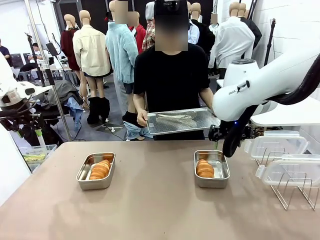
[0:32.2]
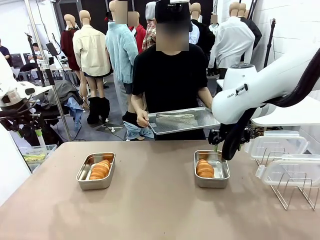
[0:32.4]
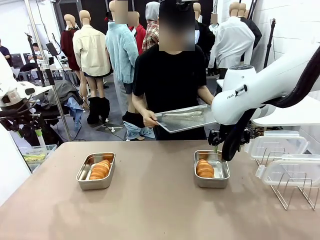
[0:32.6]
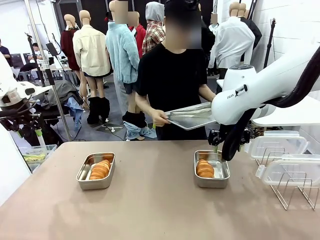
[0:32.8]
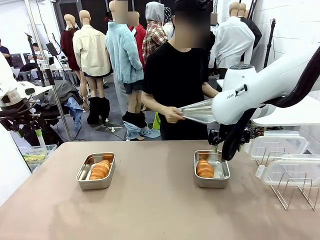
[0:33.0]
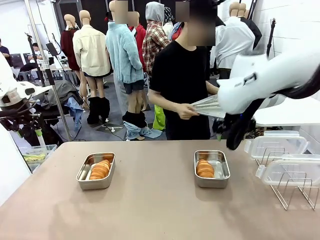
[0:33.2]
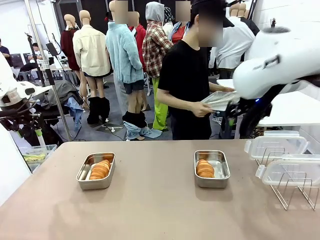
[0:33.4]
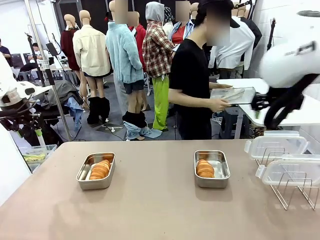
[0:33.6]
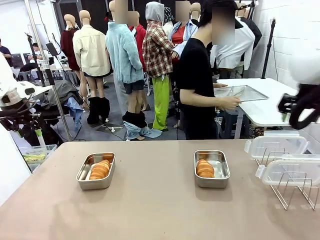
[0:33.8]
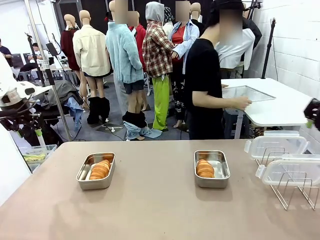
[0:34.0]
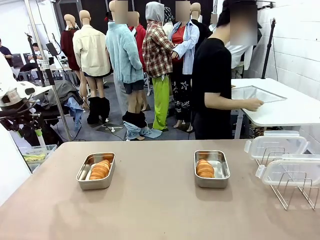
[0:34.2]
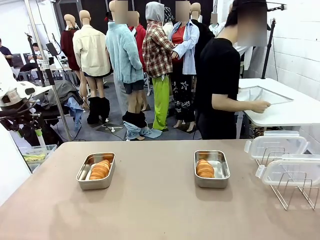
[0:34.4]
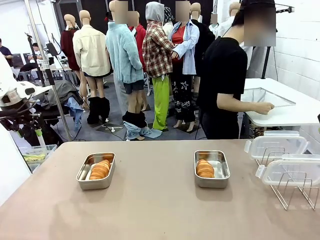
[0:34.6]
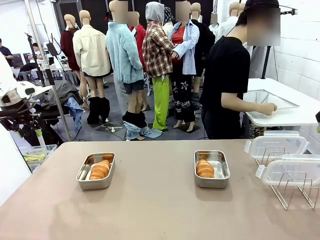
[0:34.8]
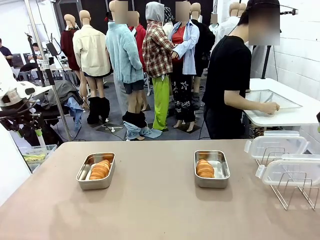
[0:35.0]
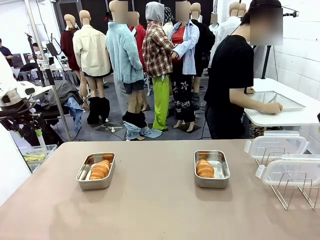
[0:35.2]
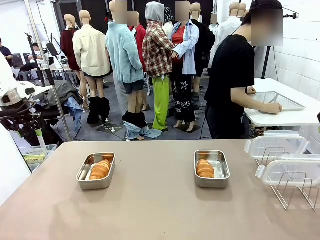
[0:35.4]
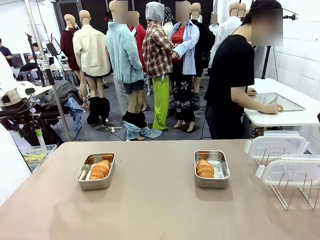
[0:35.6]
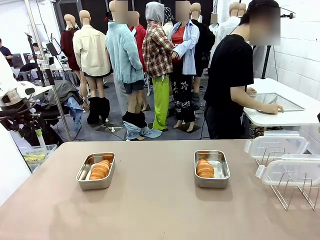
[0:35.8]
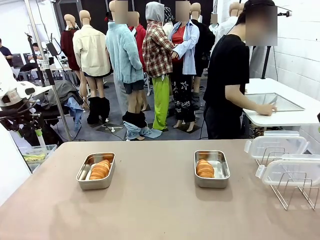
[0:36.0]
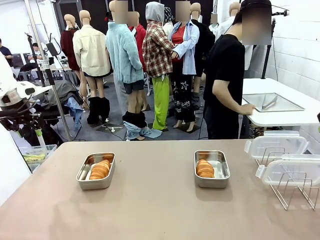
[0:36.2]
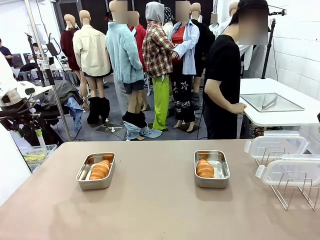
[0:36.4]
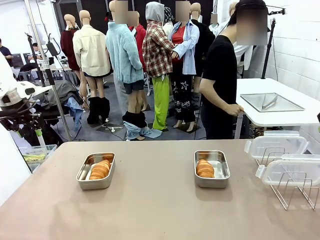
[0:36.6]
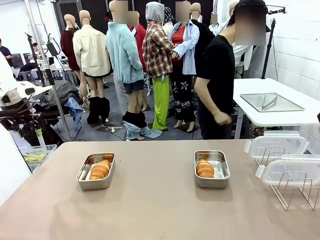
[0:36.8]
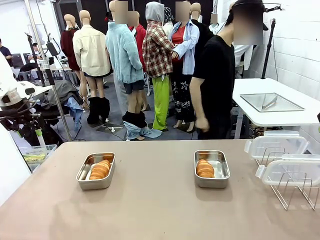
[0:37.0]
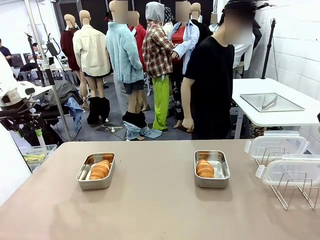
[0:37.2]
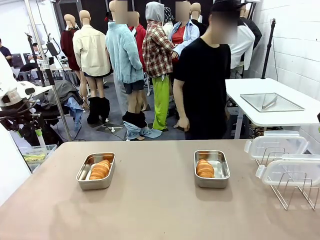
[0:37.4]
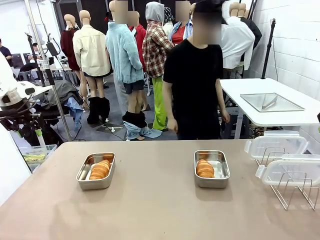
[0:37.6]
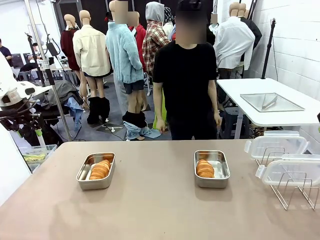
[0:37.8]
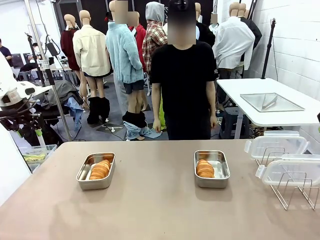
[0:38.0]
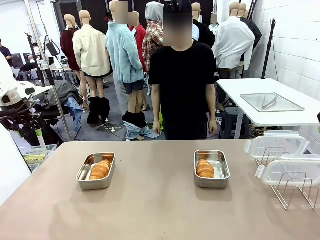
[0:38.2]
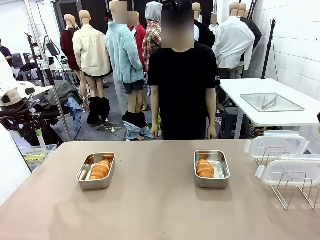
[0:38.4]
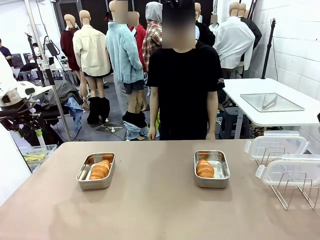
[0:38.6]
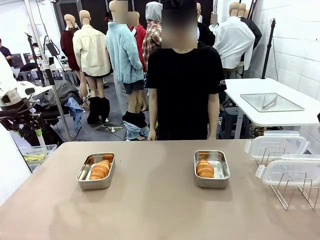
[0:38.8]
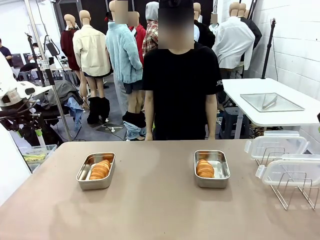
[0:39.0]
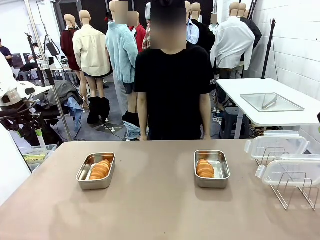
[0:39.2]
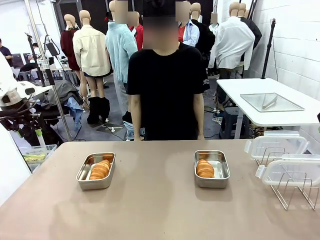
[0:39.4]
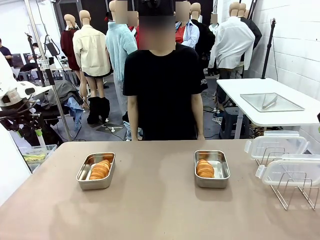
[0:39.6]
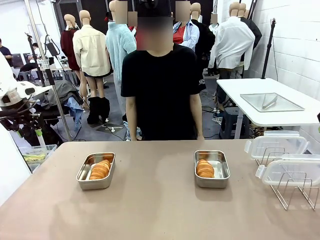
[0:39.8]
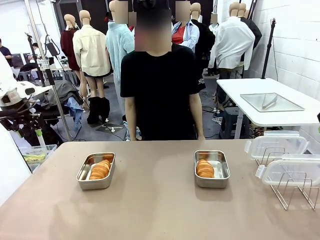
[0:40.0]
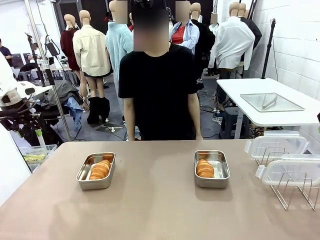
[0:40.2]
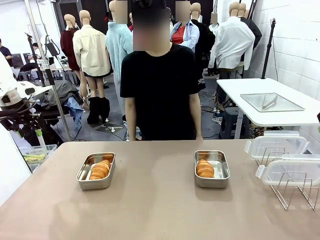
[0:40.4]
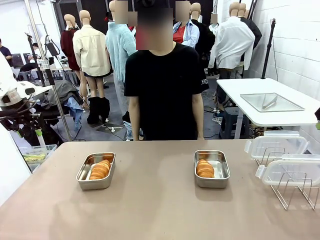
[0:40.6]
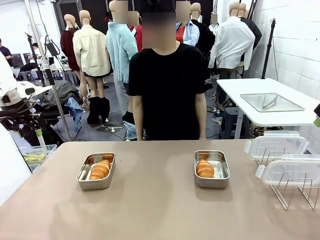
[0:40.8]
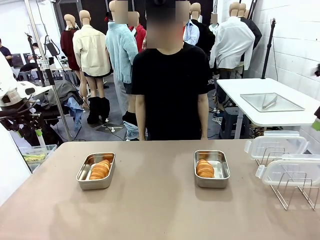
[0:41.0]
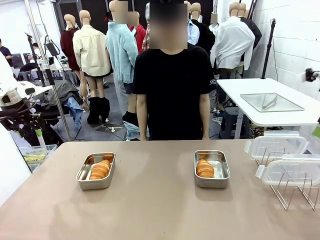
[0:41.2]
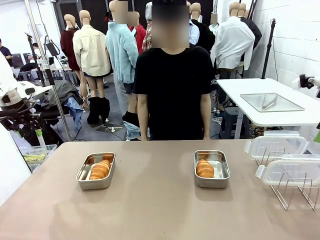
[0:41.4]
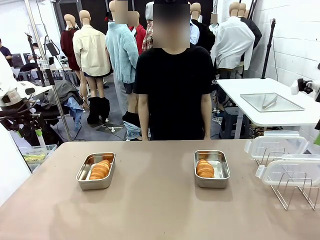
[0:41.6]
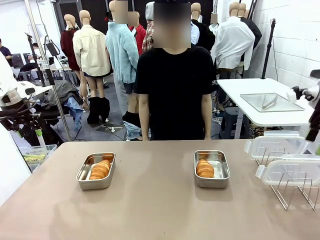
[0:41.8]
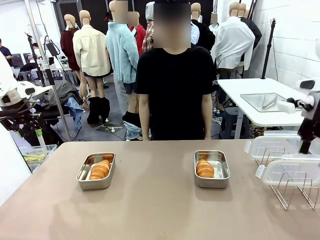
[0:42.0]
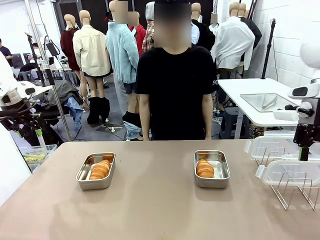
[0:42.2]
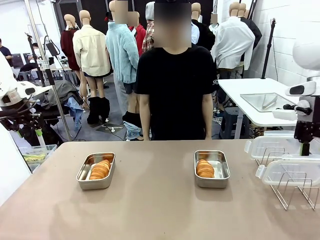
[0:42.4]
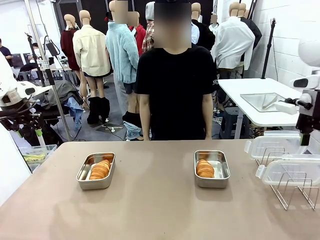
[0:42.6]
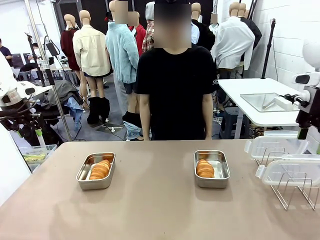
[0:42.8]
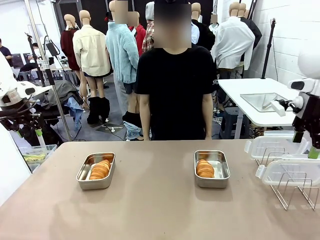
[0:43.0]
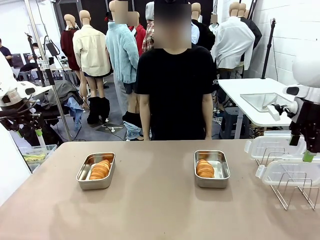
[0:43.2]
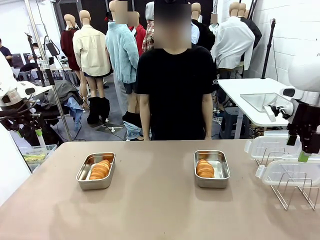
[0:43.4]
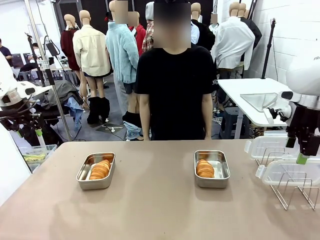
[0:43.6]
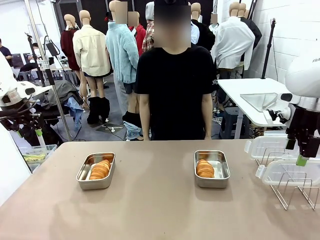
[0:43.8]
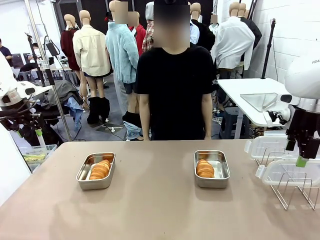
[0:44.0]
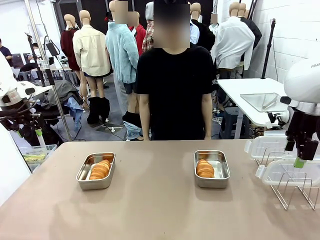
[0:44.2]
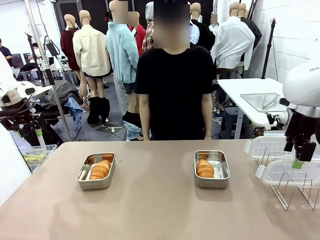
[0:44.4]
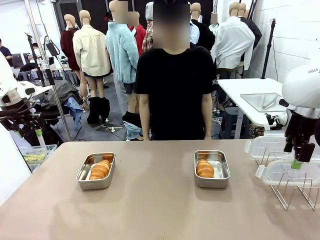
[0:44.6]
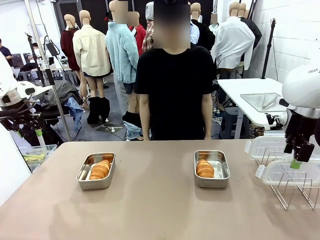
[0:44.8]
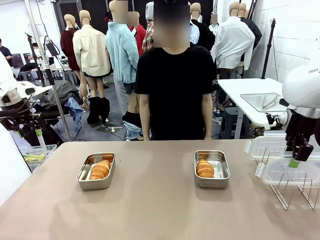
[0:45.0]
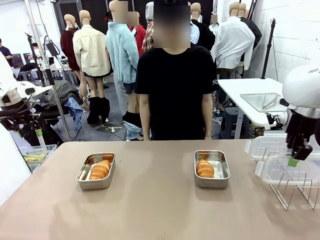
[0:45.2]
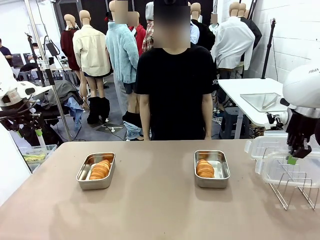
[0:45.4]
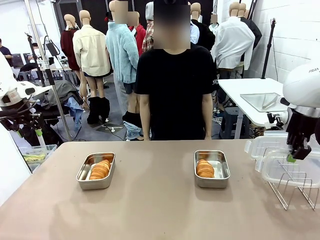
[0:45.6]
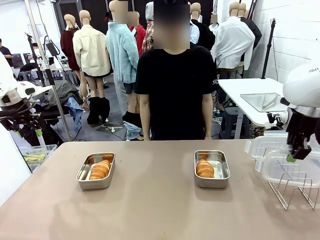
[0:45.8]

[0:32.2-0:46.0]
Task: Place the bread in airtight containers.
Robot: Pick up one Airtight Container lid and hand it to the human.
Person: Place Baking Sheet on the Human's Table. Grip Airtight Container lid that robot is handing.

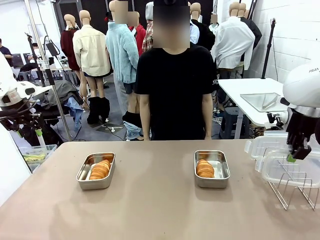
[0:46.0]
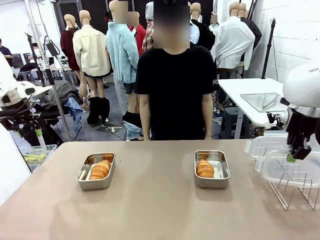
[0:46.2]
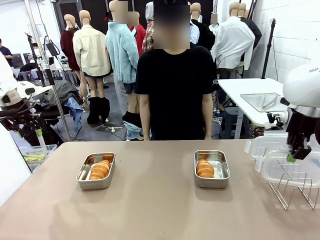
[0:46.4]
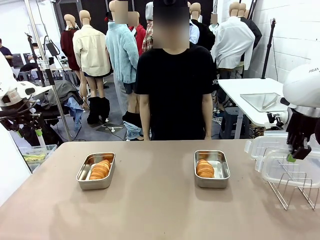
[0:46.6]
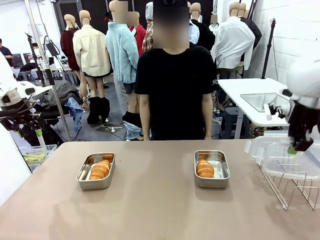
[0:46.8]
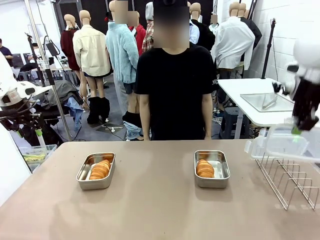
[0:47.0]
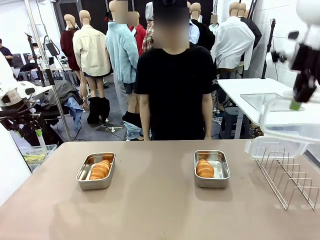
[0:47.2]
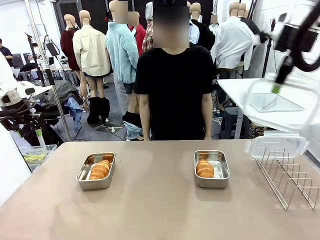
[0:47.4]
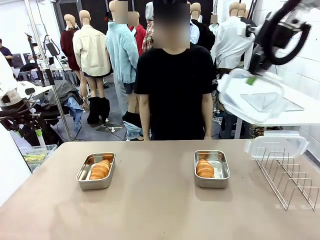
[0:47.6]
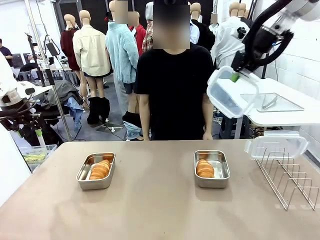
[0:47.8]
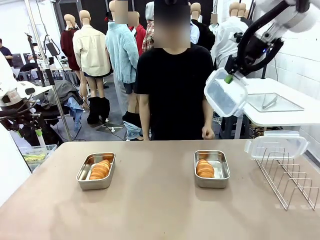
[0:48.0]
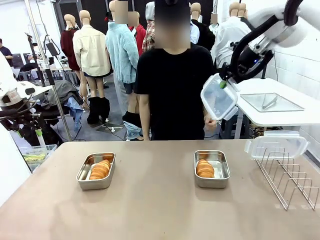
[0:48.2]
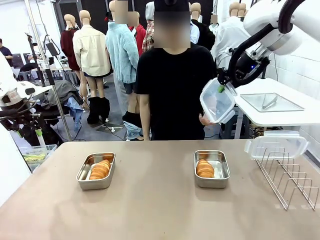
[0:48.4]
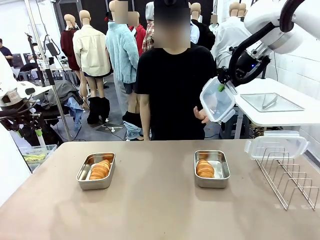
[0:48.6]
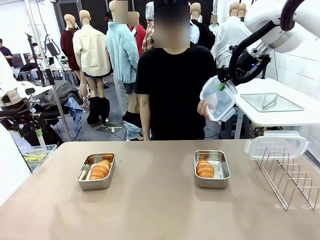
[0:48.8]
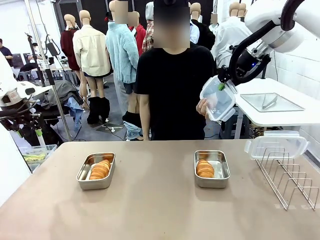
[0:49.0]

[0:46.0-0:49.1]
Robot: Release when the human grabs the Airtight Container lid.
